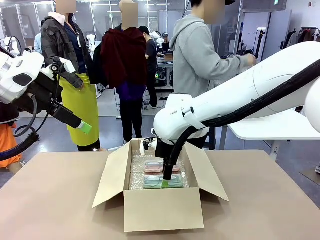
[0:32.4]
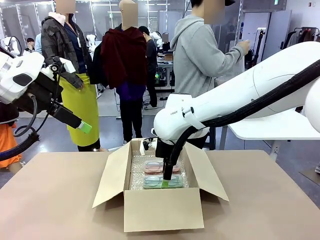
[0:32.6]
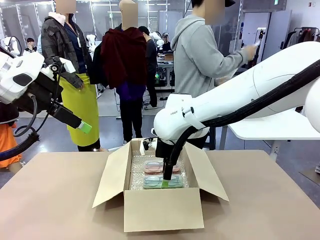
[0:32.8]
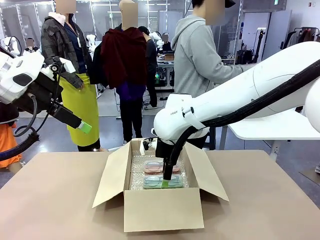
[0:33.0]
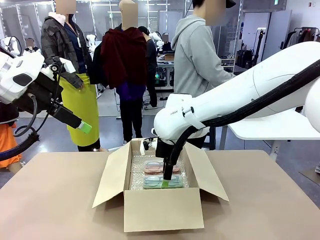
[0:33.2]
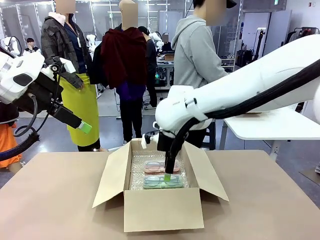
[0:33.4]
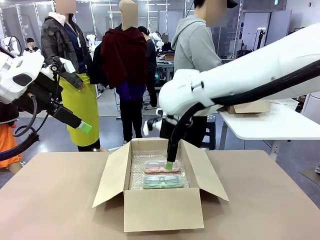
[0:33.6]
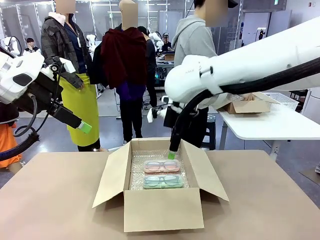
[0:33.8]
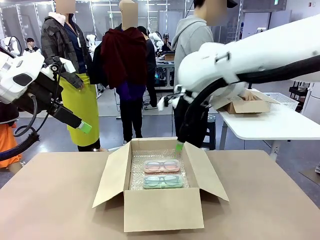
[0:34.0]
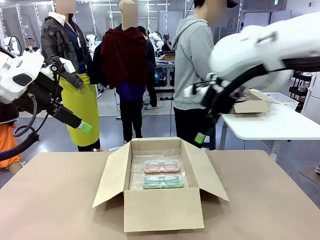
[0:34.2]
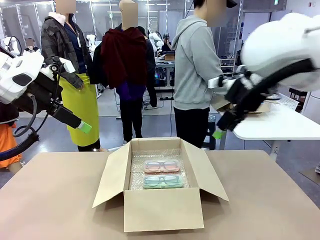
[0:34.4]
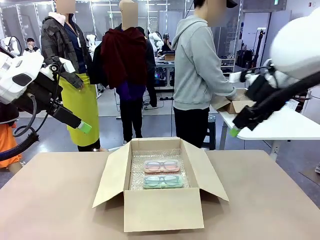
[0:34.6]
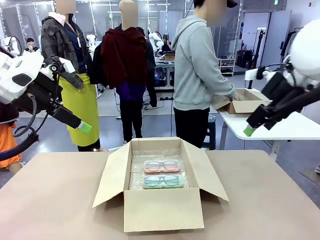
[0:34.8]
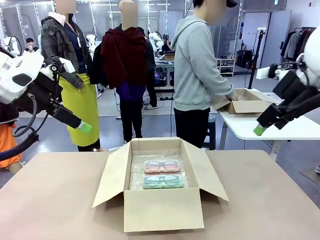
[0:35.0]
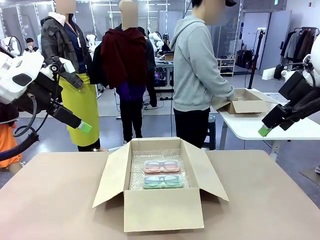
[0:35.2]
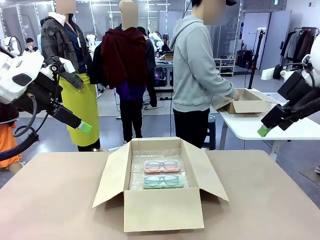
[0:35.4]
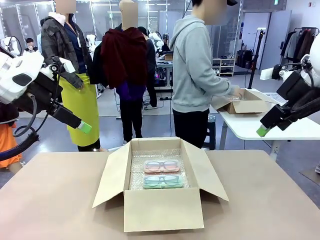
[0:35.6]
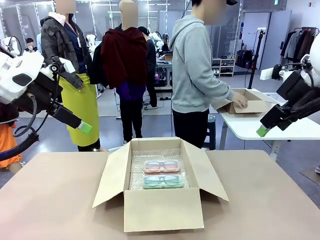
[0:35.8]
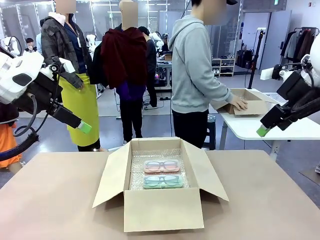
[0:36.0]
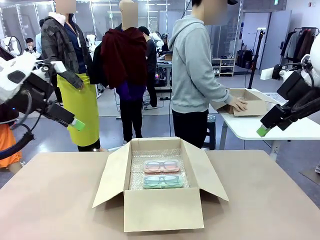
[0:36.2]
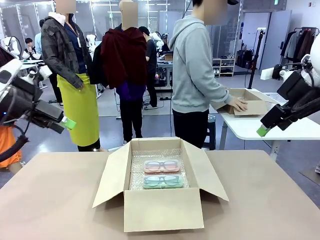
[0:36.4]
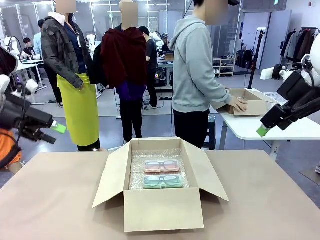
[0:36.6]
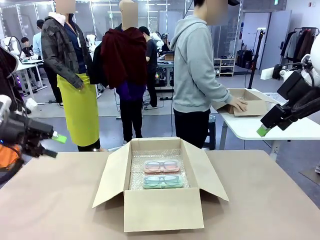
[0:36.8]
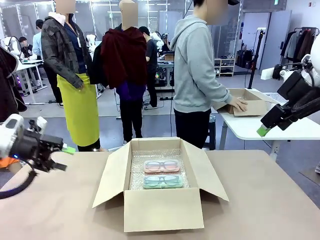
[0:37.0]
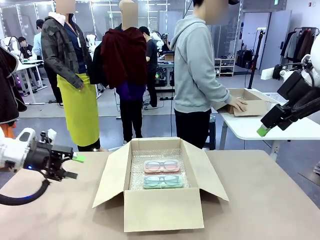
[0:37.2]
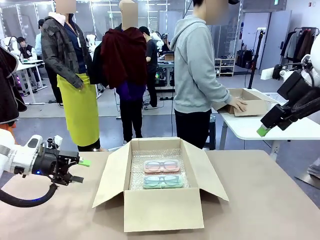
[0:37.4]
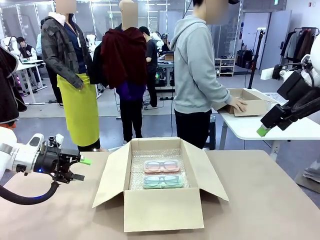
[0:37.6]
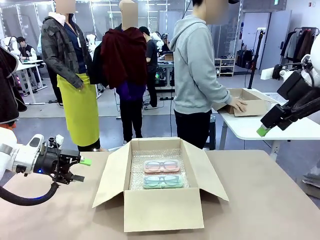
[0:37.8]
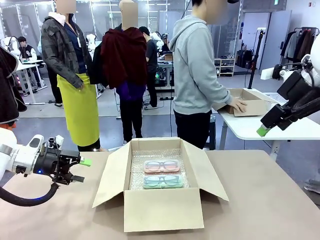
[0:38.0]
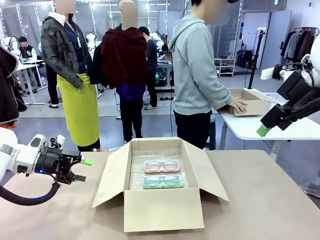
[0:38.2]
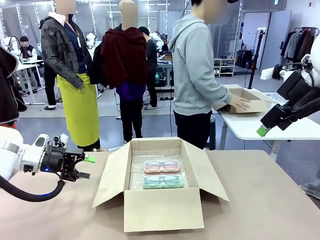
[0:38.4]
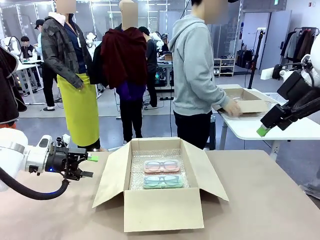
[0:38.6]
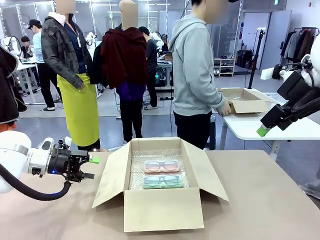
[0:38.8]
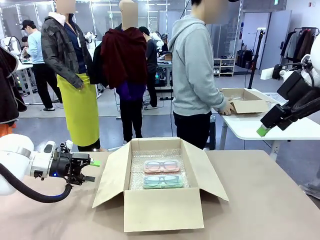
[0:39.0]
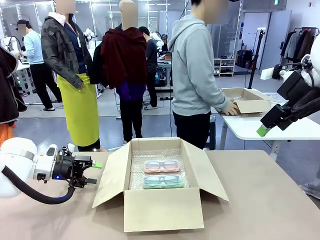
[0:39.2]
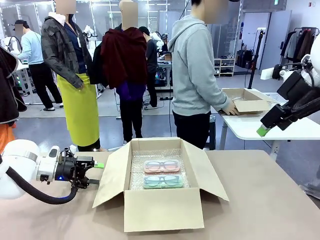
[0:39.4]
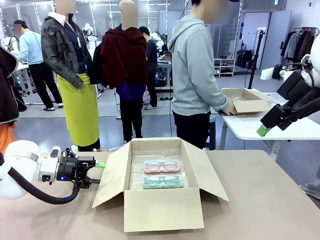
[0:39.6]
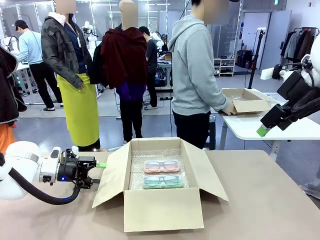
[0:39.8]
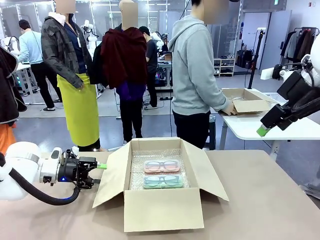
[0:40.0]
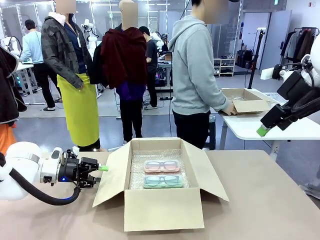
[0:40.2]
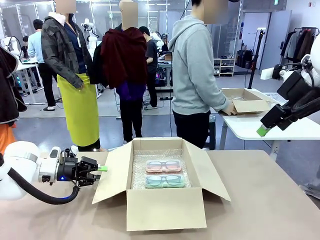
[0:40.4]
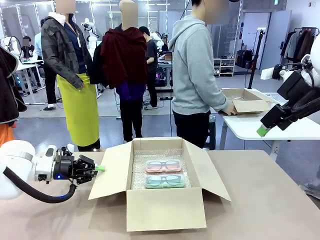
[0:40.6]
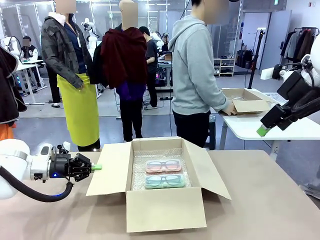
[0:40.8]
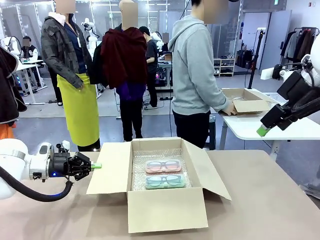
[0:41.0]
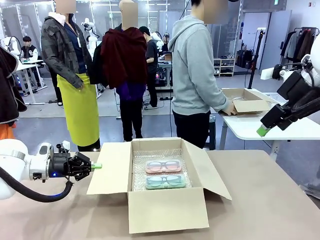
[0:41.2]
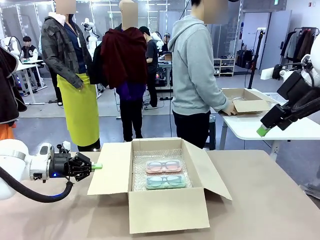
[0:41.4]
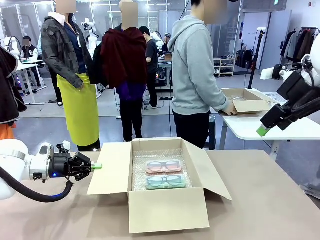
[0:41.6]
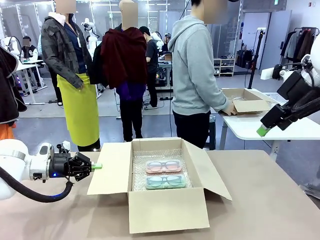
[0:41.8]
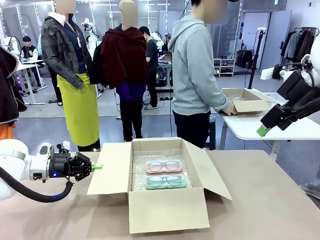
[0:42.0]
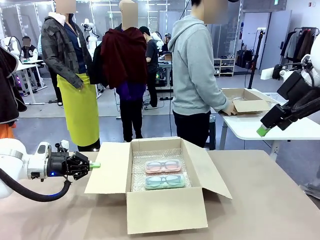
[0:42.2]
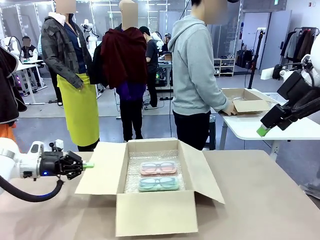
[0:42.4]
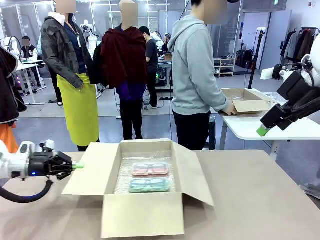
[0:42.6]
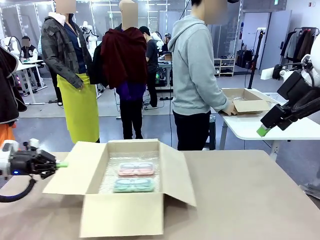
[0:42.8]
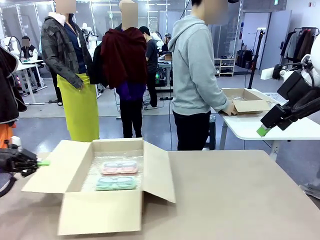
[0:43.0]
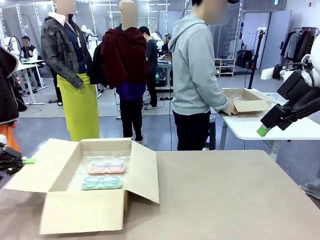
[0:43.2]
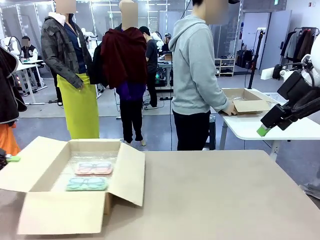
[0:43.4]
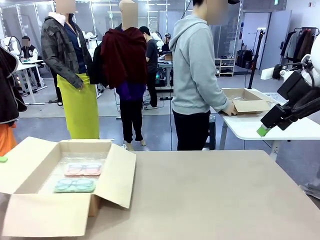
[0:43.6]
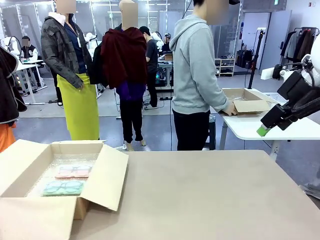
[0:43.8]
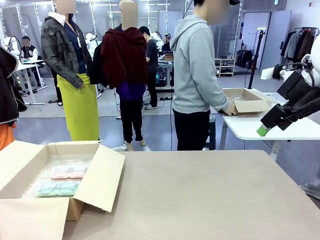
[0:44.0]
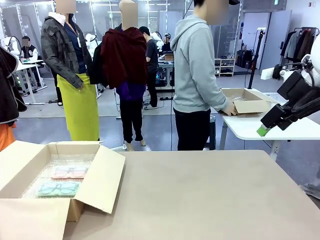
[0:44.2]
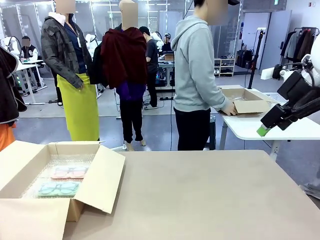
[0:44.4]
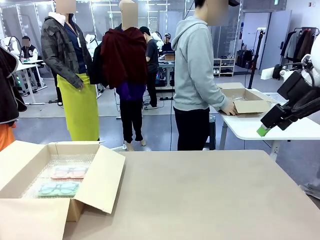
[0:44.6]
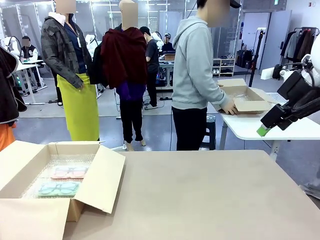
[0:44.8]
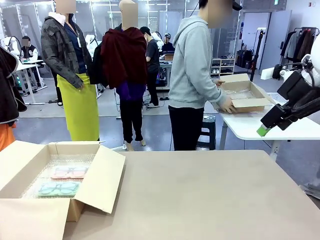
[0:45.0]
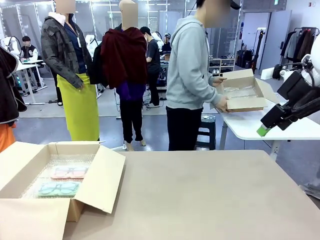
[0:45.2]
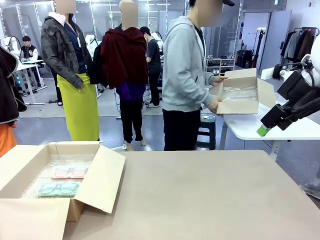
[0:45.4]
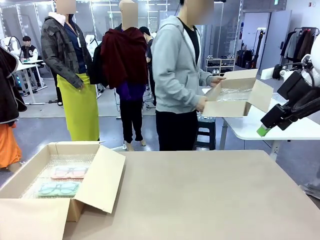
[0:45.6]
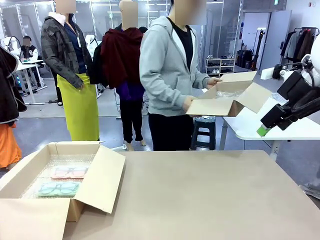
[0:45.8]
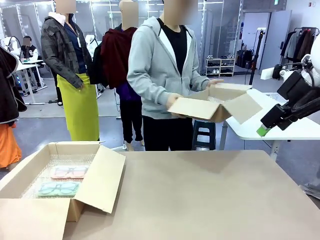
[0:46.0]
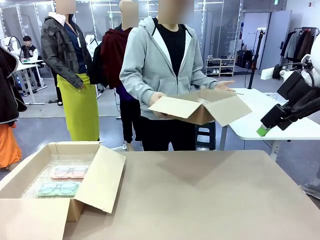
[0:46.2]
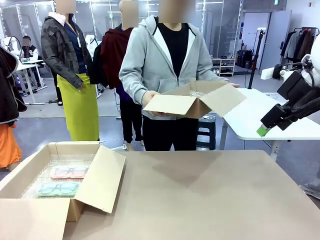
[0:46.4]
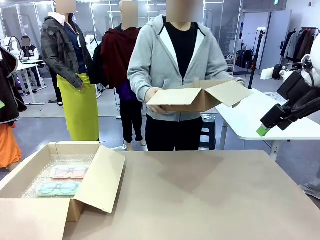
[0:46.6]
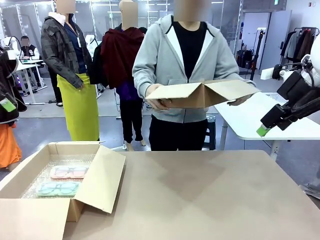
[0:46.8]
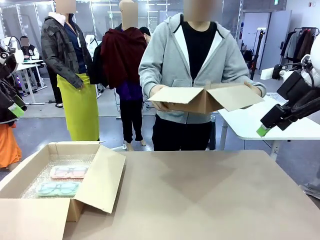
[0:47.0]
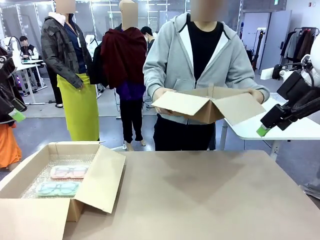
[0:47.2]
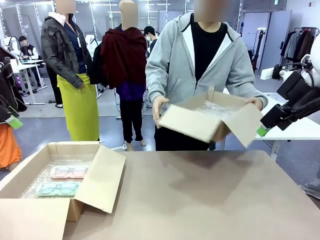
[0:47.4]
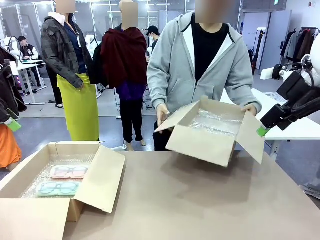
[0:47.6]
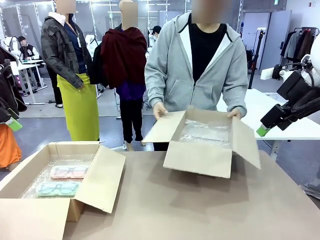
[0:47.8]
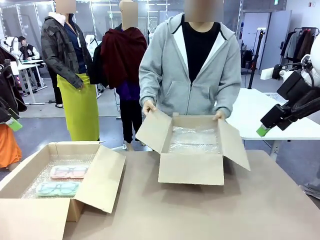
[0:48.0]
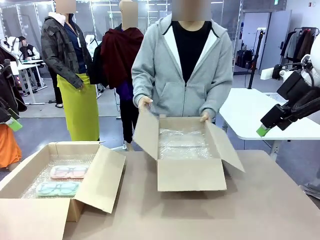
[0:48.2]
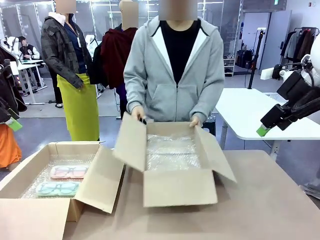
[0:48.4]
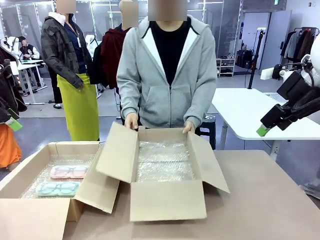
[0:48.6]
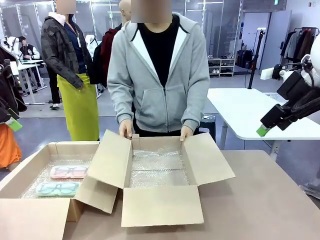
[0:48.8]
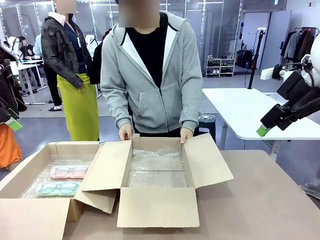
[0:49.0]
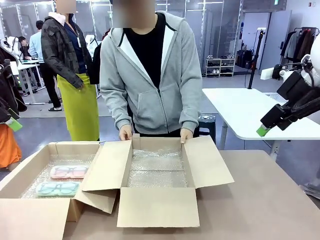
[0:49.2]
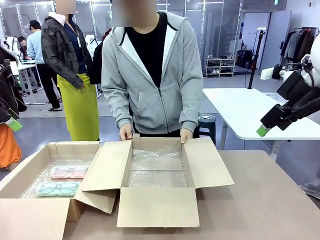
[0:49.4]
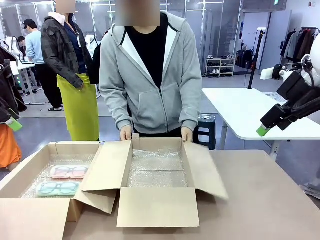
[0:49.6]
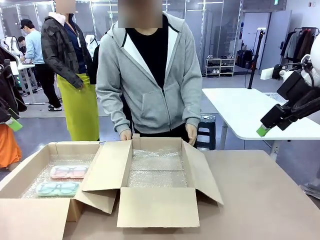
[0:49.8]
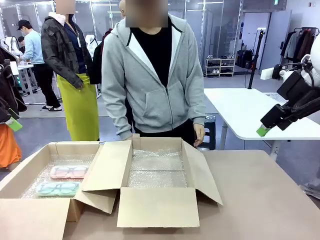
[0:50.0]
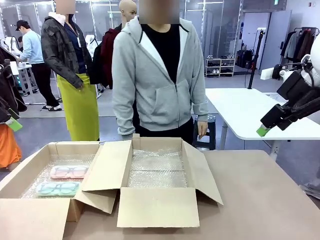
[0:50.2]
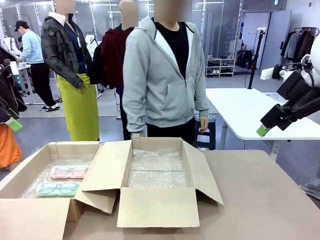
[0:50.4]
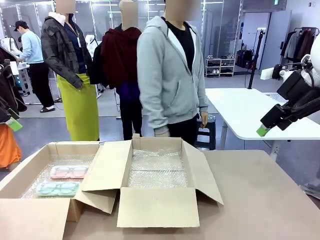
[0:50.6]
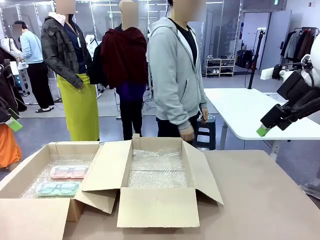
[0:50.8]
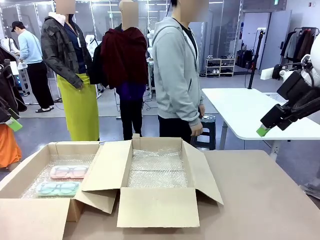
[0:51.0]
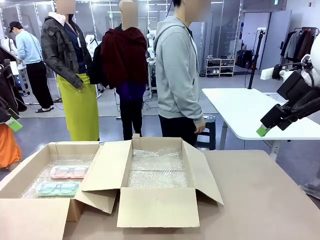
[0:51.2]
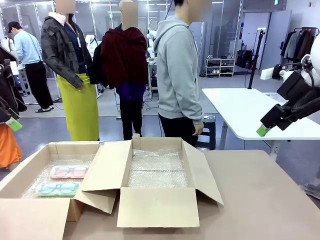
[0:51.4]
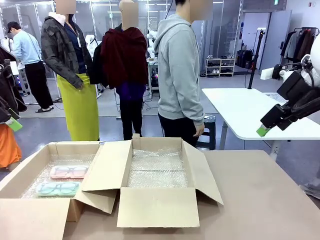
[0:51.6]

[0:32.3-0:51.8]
Task: Pack the glasses set securely to prepare it for shipping.
Robot: Position the Package Box on the left side of the table.
Person: Position the empty Package Box in the middle of the robot's table.
